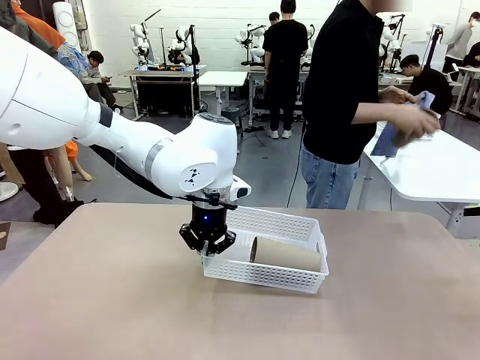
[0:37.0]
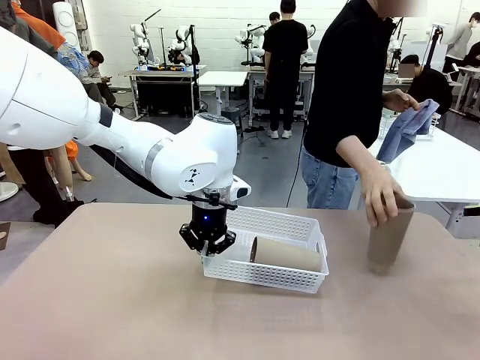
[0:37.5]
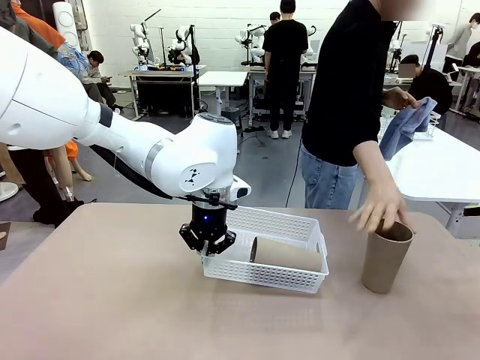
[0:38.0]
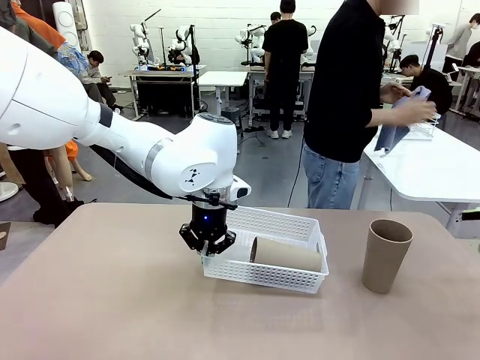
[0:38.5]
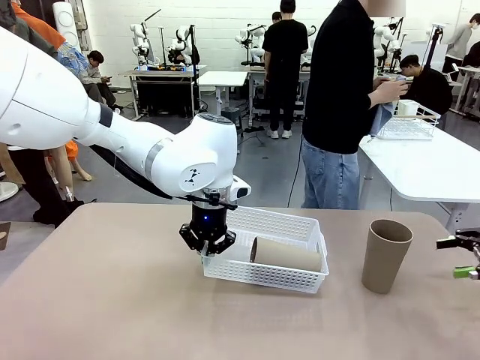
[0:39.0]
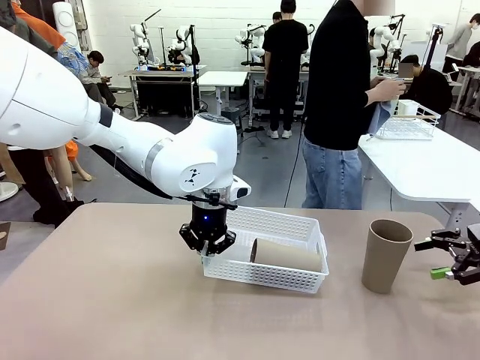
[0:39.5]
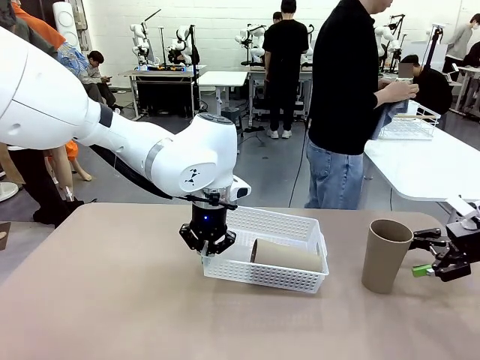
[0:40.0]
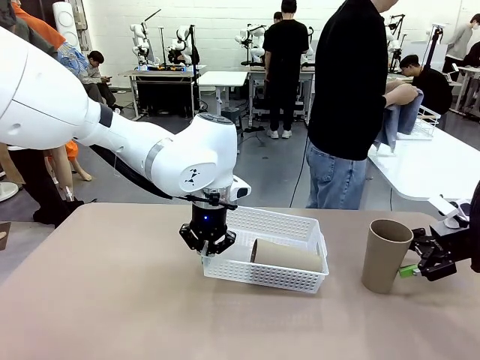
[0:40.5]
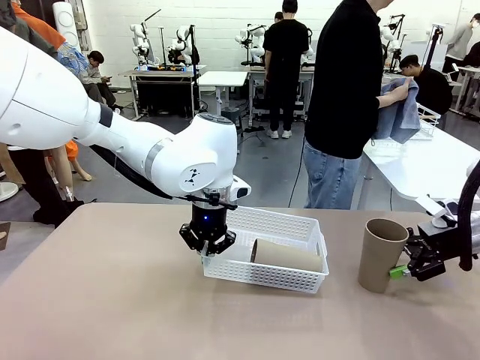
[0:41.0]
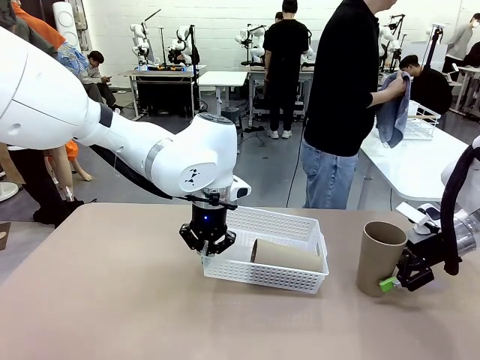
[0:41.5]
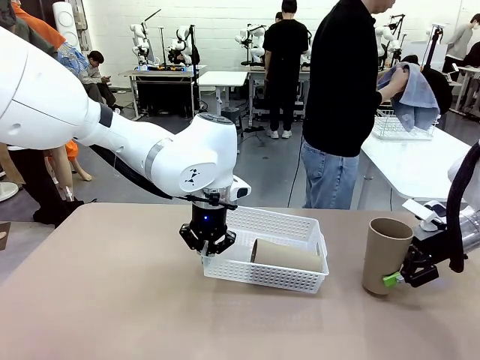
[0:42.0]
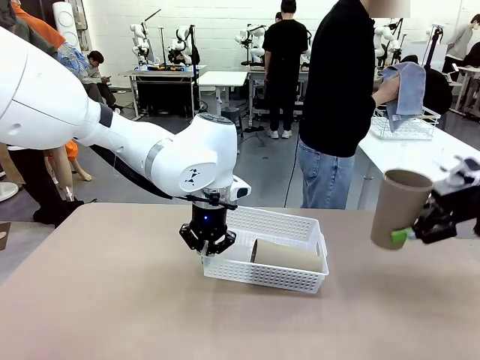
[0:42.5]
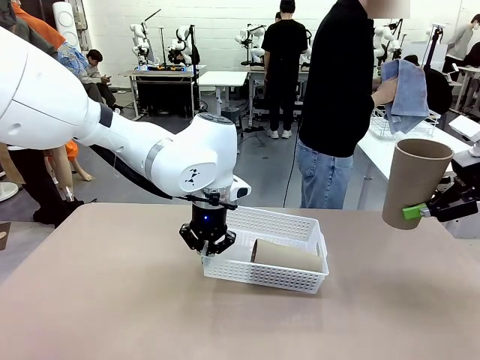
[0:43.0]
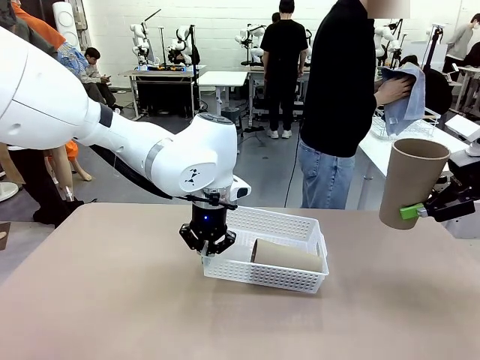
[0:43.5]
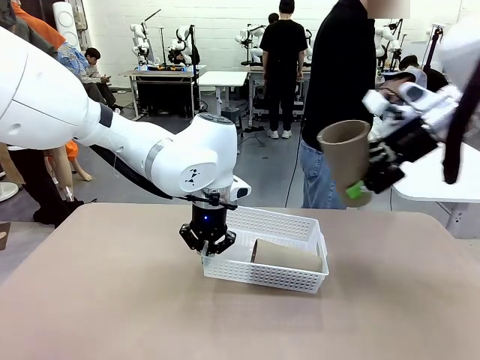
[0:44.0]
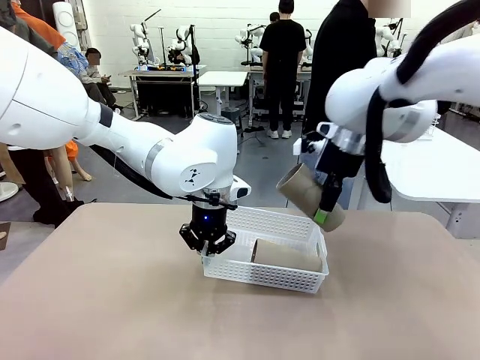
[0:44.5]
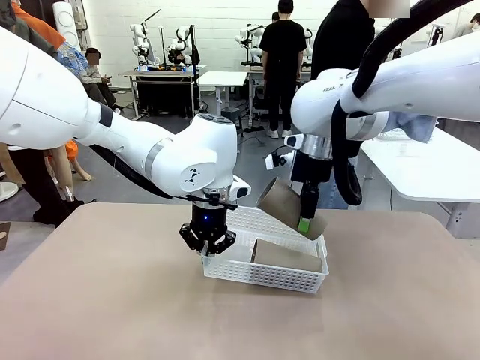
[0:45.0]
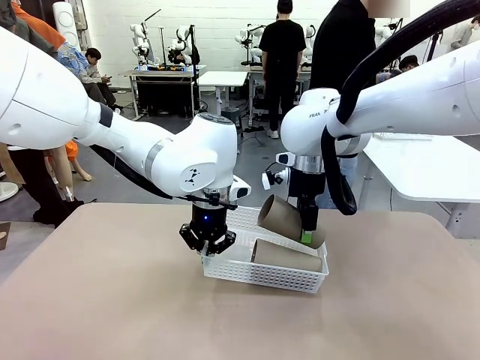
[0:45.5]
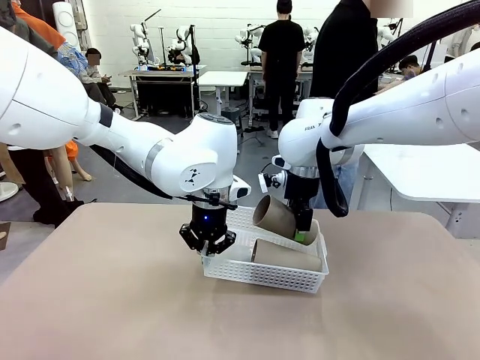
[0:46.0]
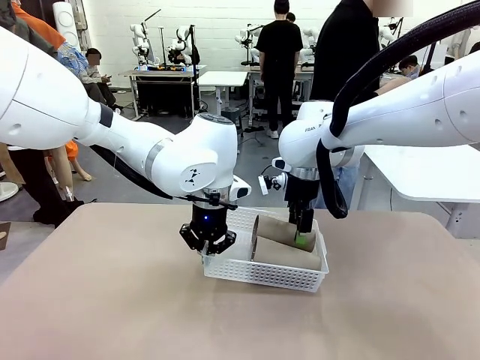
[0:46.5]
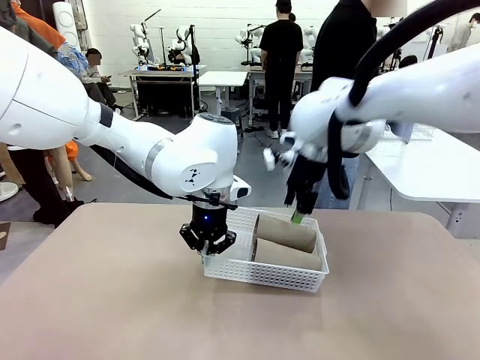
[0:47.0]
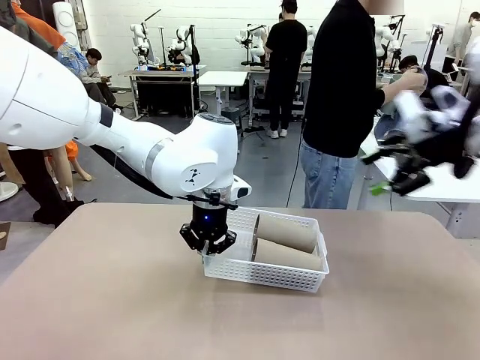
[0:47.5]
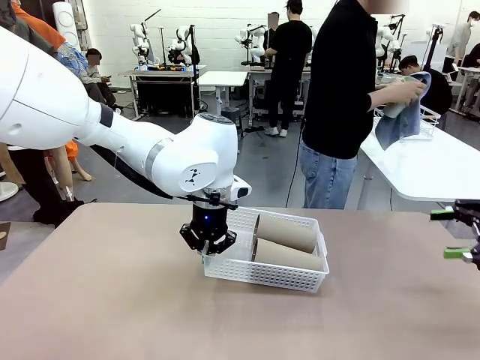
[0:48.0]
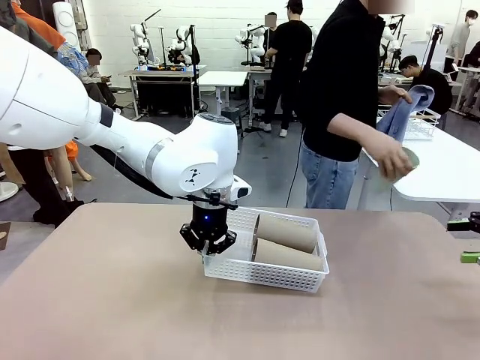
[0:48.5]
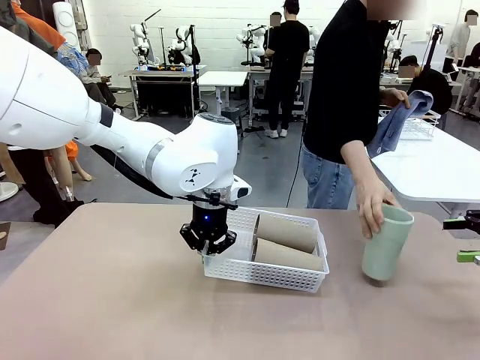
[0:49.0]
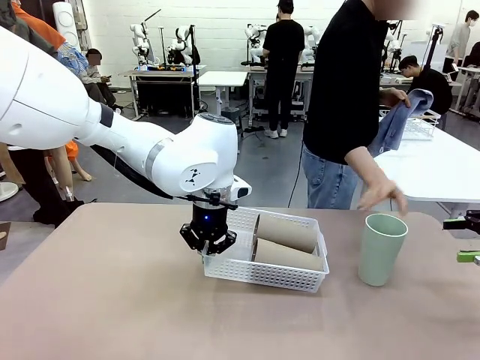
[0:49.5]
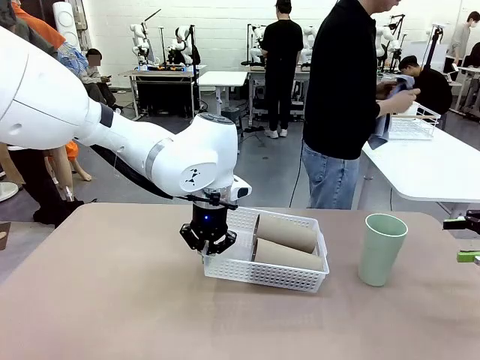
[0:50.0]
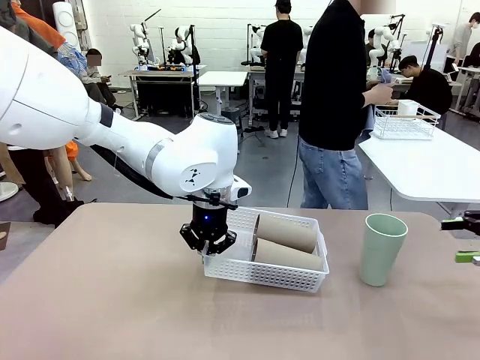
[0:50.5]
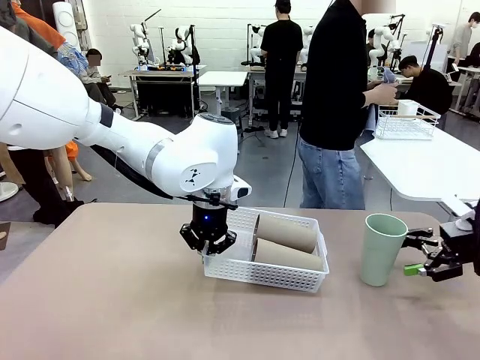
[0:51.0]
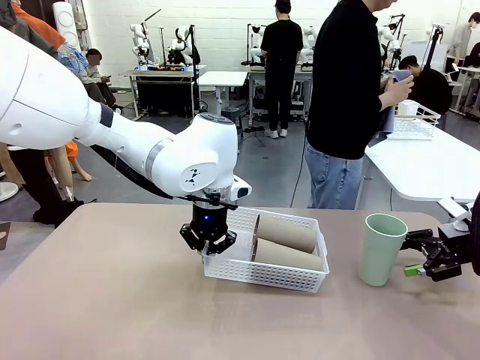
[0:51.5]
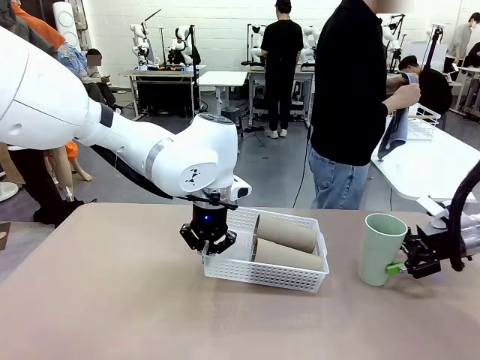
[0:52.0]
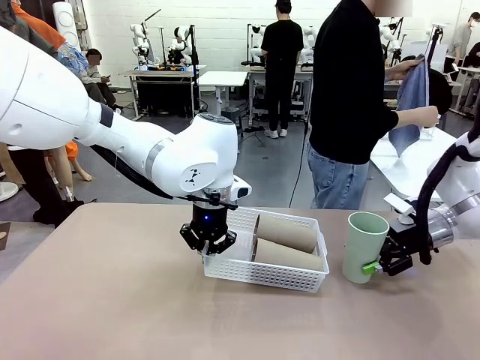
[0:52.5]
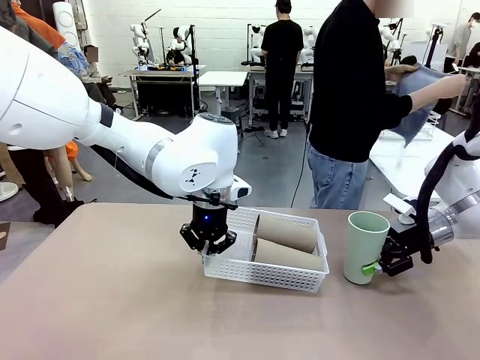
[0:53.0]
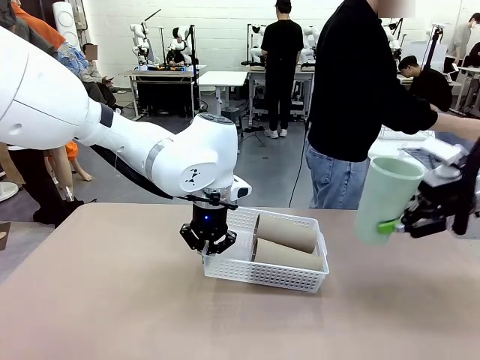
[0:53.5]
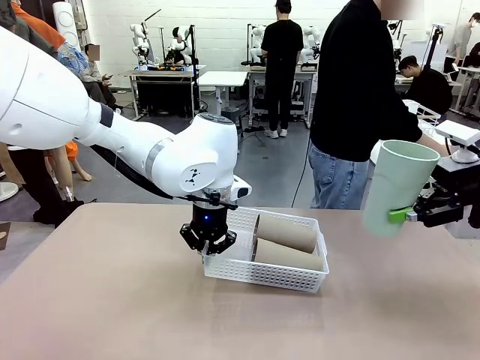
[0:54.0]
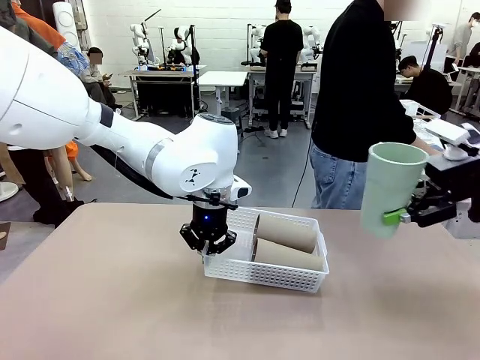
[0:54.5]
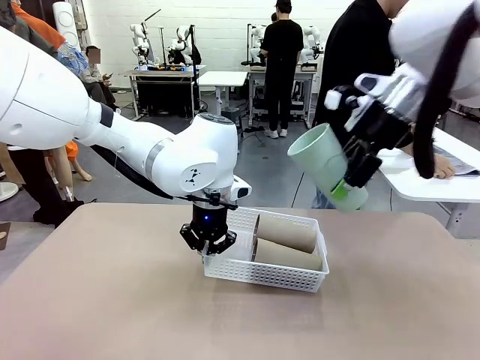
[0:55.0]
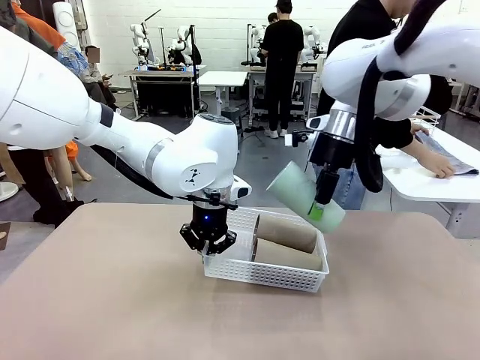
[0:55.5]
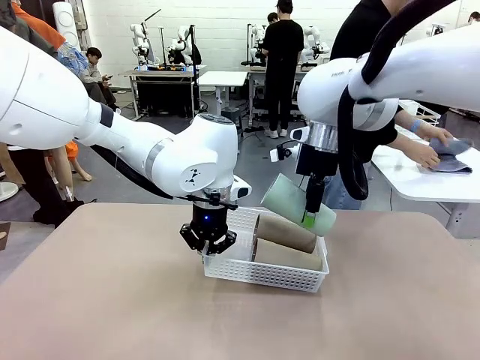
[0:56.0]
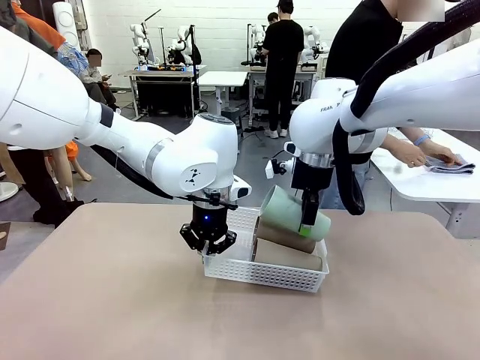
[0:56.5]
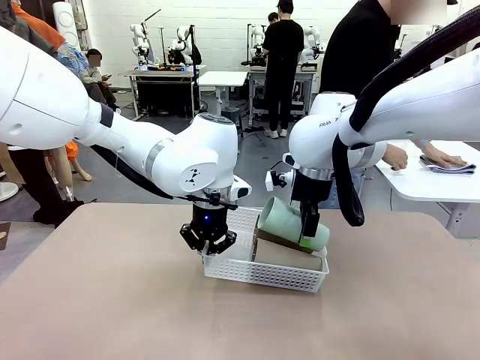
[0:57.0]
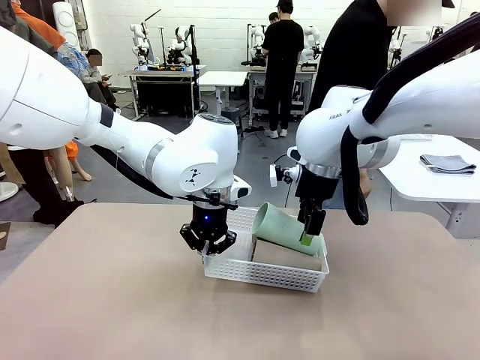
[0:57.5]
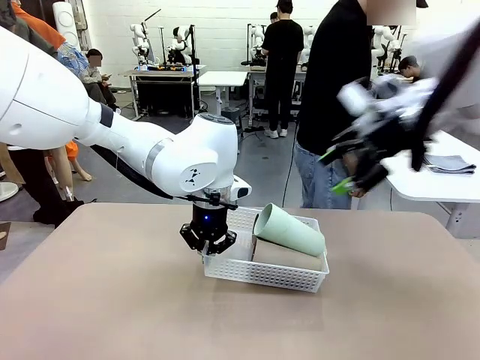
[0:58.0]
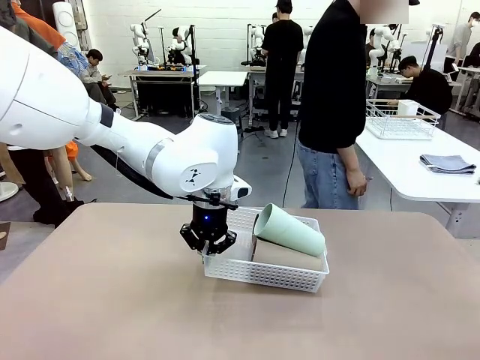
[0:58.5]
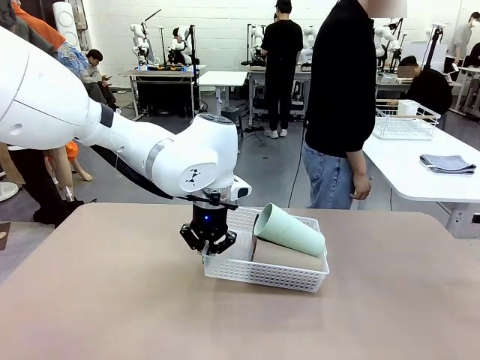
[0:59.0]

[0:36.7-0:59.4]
Task: Clean and organize the cups into the basket.
Robot: Pick up the Reusable plastic cup from the right side of the table and stack it inside the Organizing basket in the center of the table.

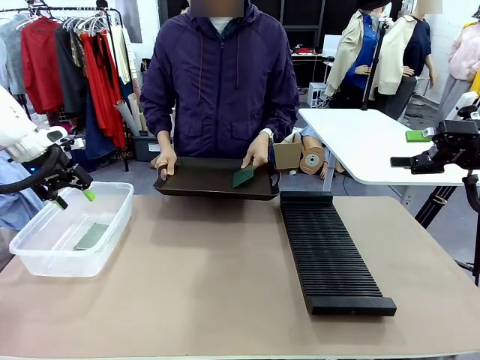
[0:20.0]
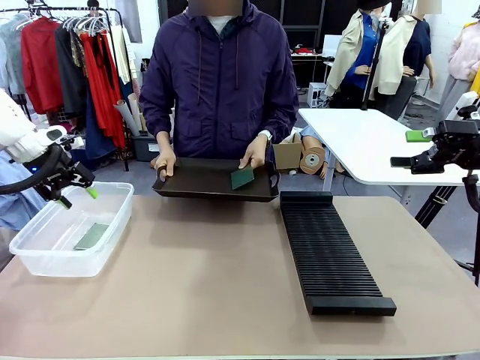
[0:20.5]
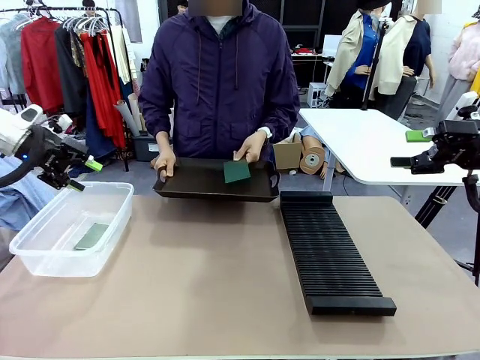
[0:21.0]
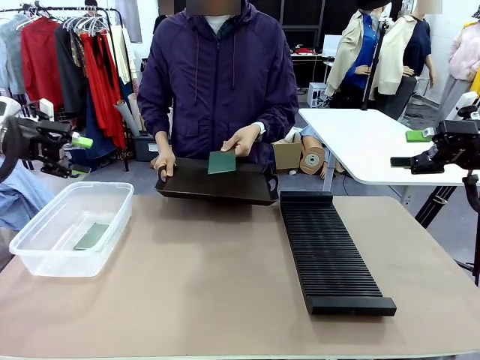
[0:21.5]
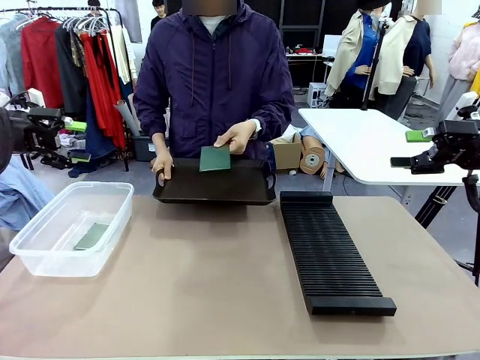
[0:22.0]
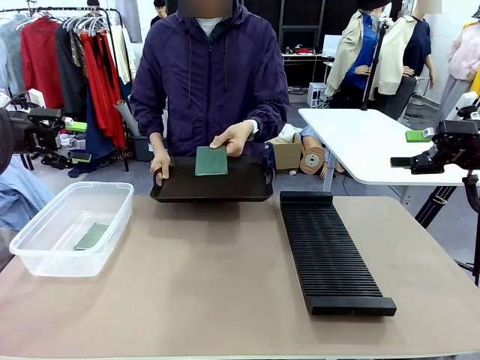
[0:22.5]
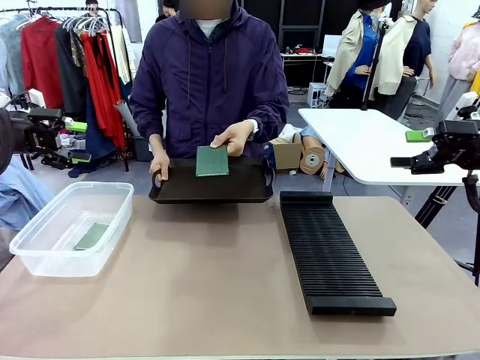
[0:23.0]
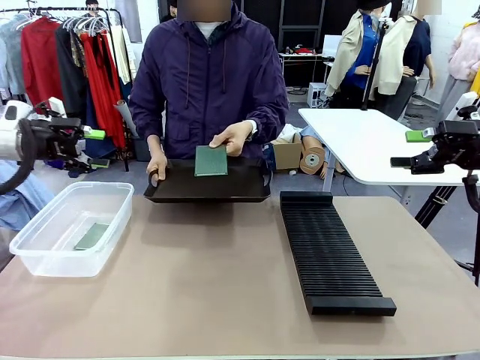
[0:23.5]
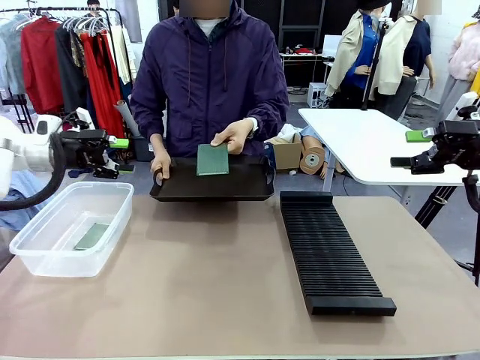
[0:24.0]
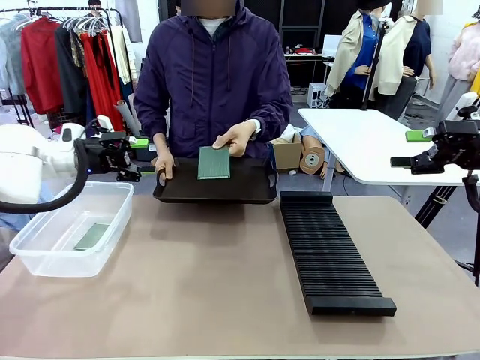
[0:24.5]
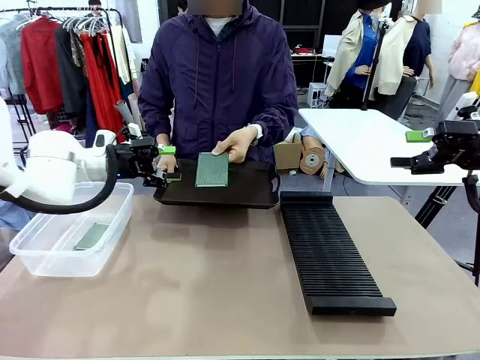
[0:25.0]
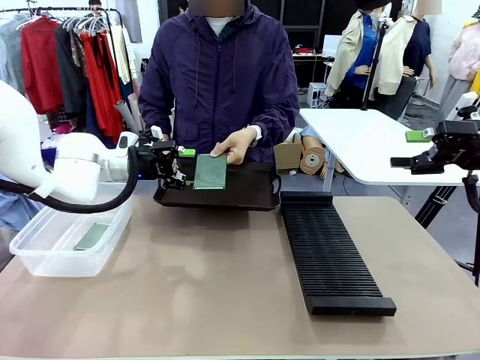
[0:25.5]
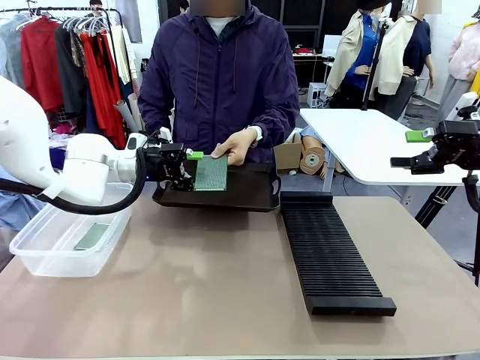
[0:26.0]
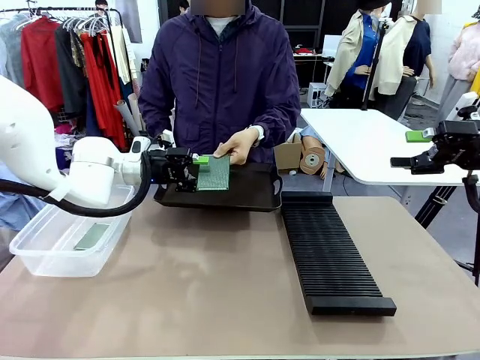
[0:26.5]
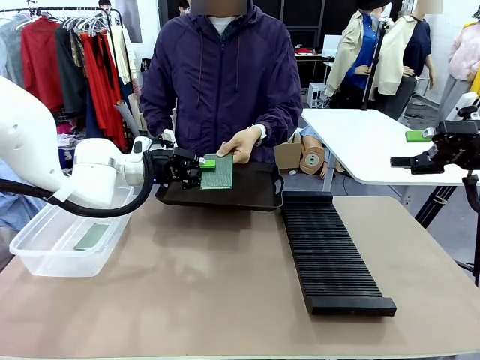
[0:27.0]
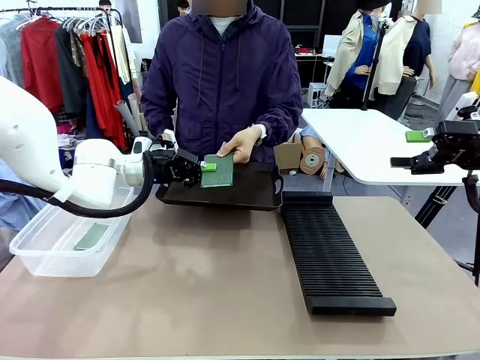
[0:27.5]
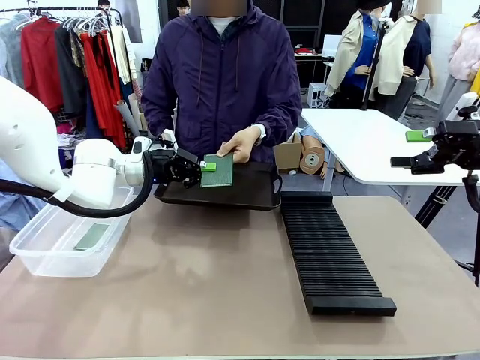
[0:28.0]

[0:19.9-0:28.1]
Task: Sort PCBs into racks and boxes based on the side picked up.
Robot: Pick up the Blank PCB handed by the Human.
